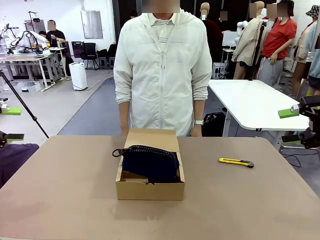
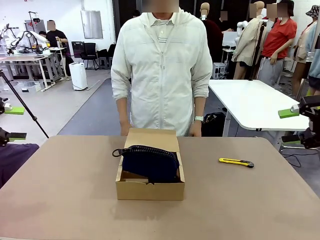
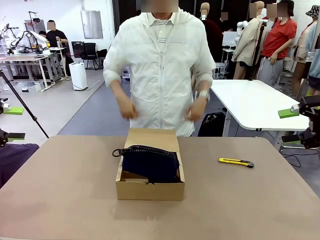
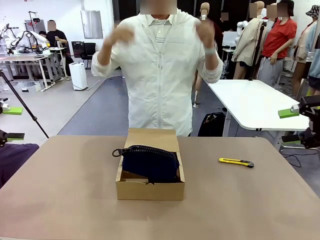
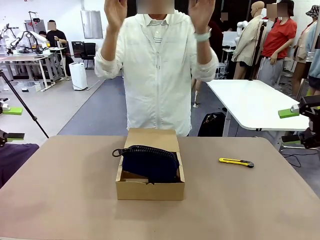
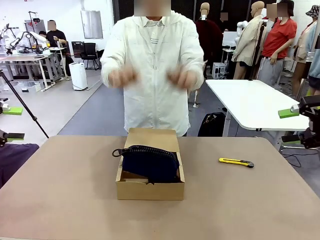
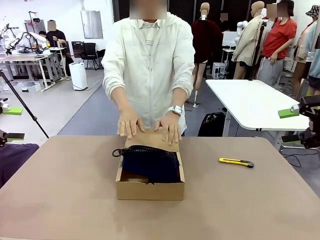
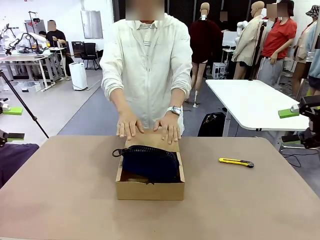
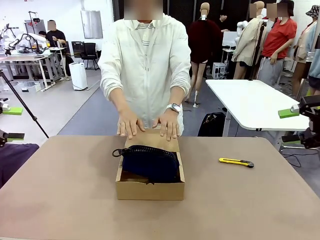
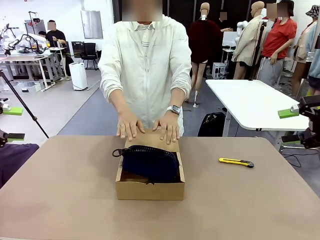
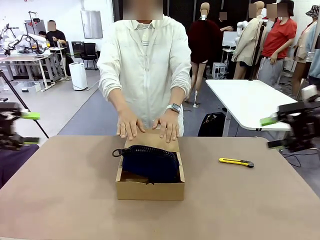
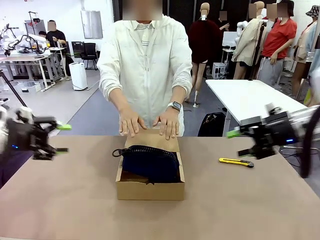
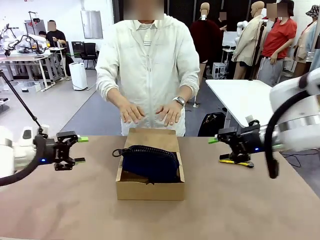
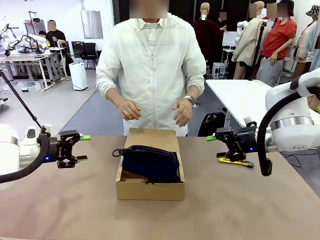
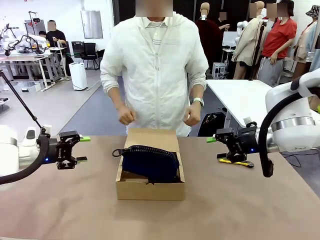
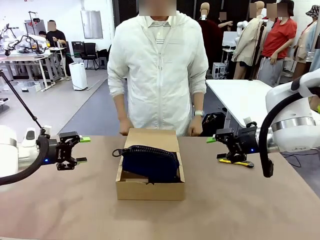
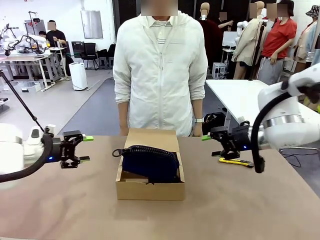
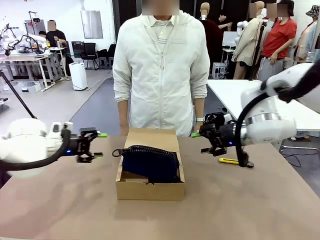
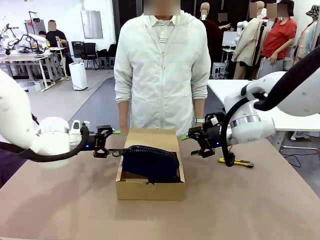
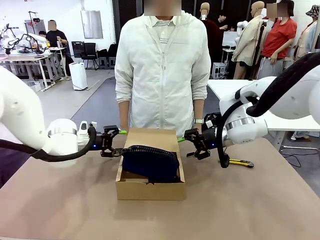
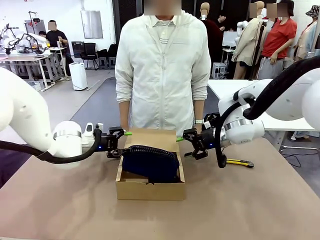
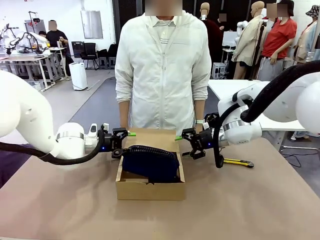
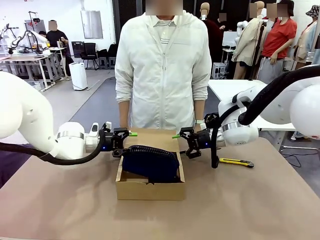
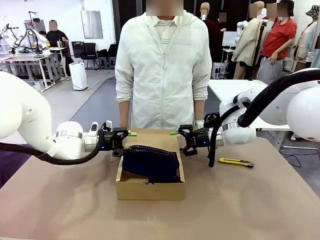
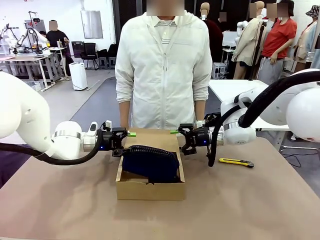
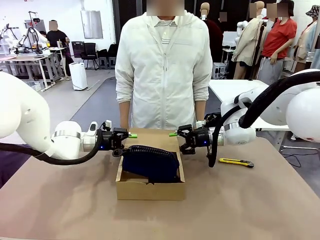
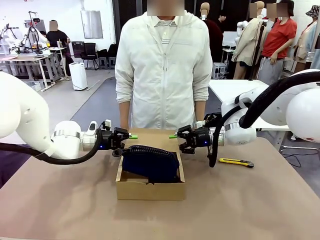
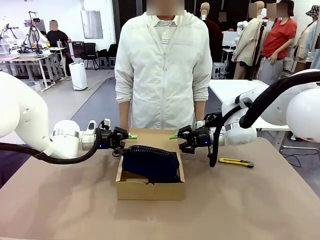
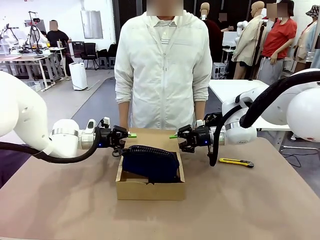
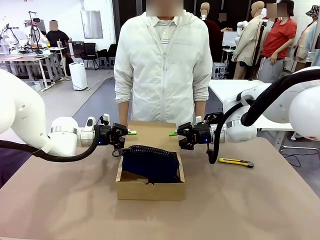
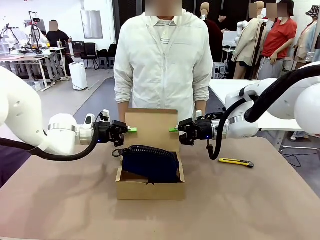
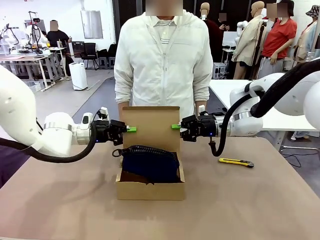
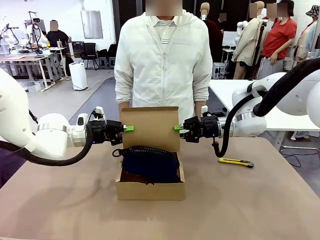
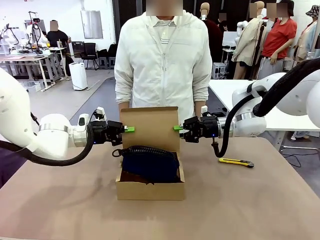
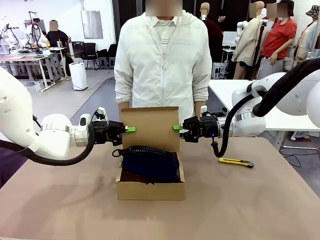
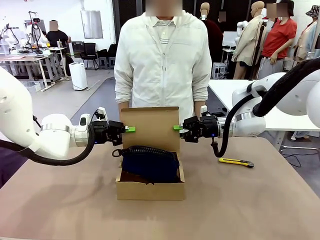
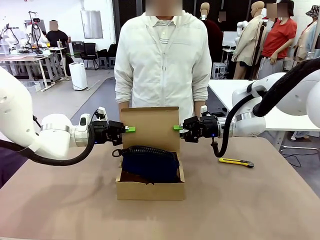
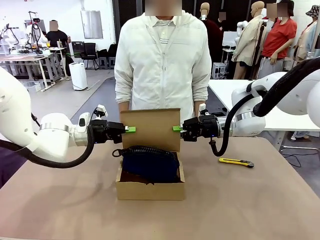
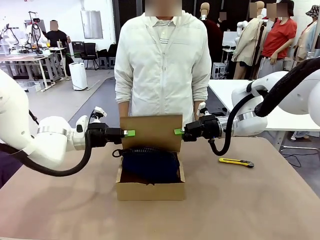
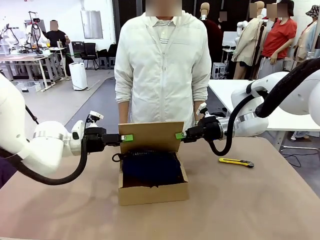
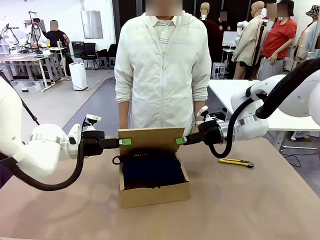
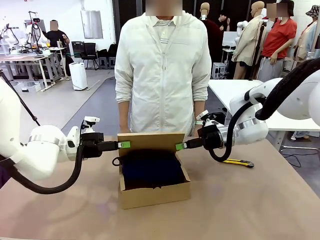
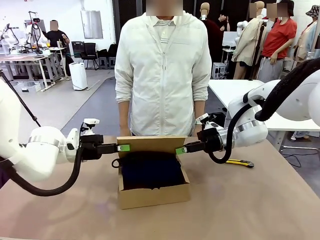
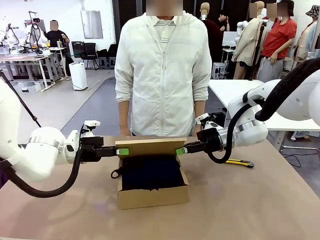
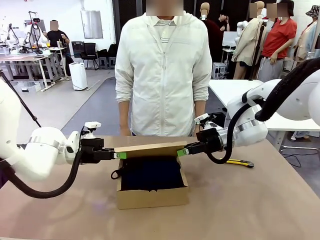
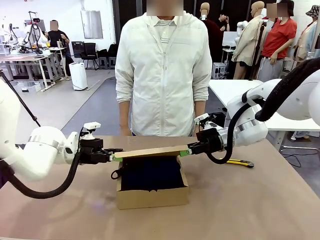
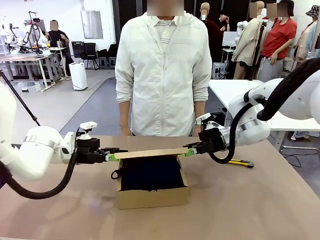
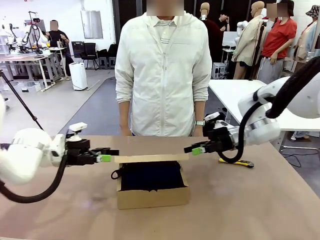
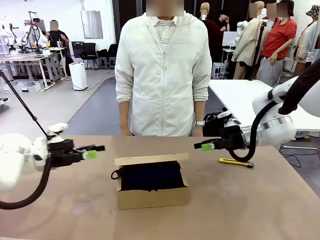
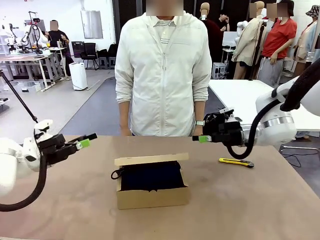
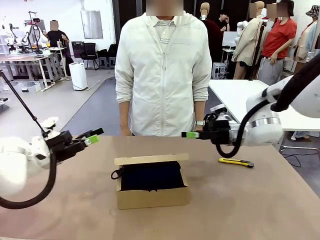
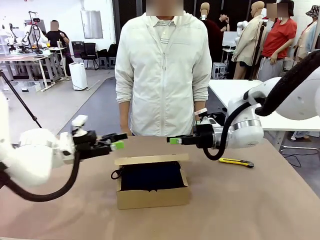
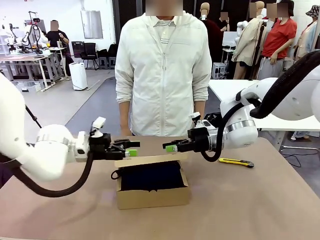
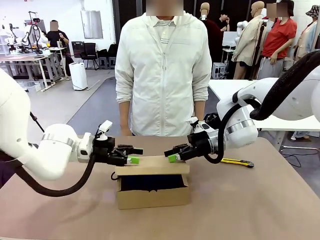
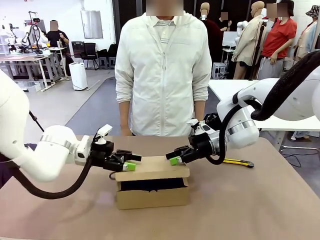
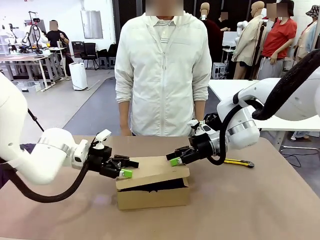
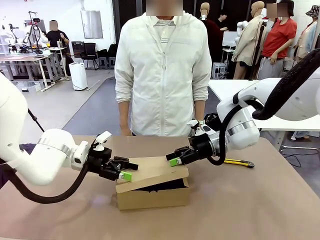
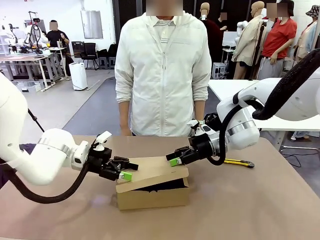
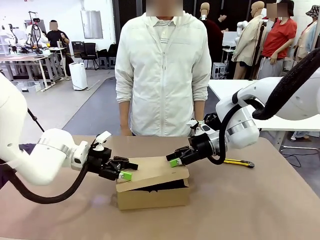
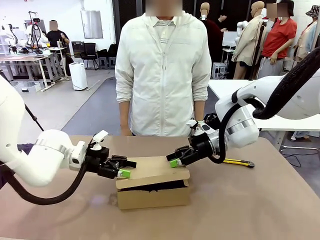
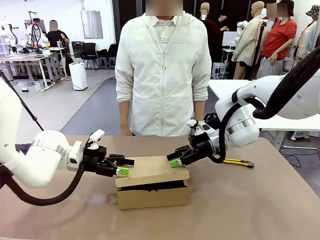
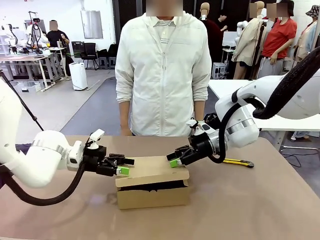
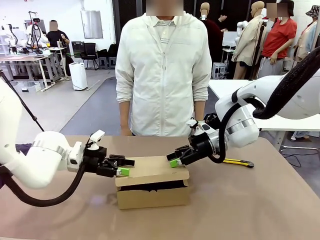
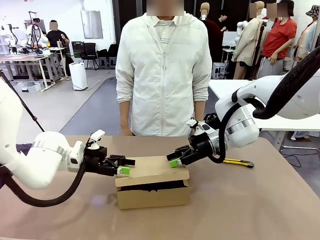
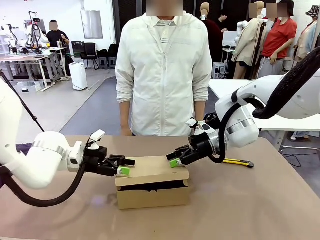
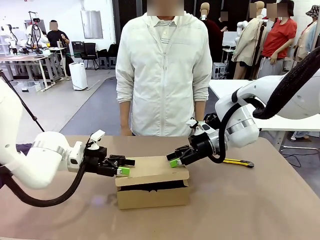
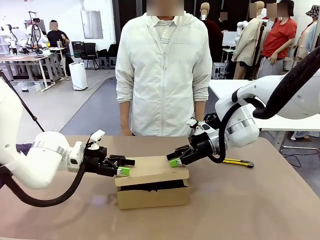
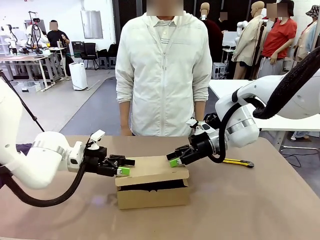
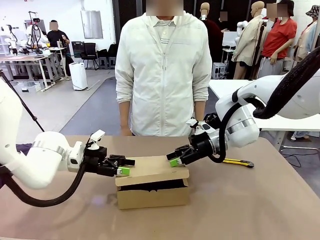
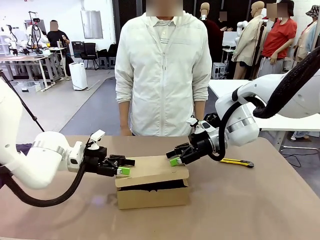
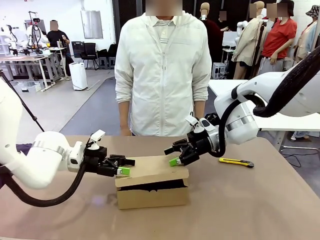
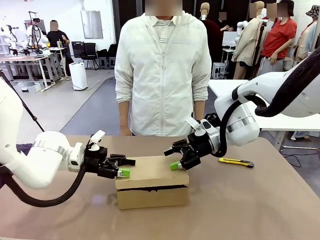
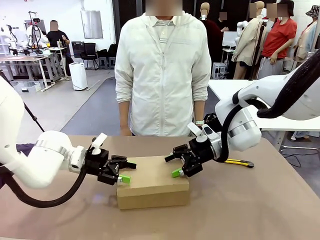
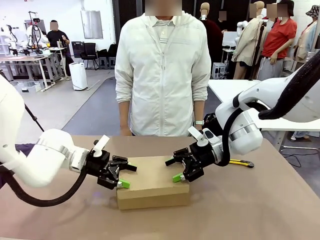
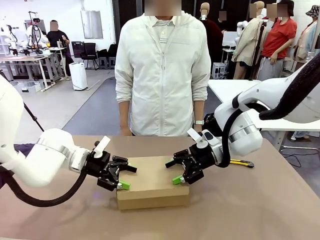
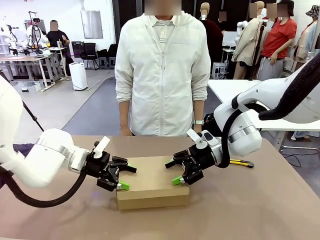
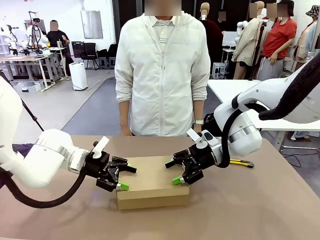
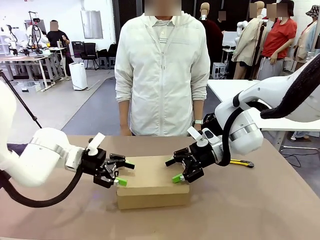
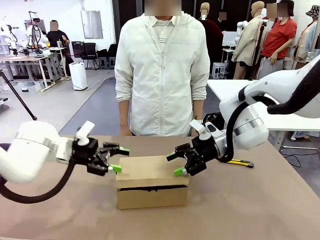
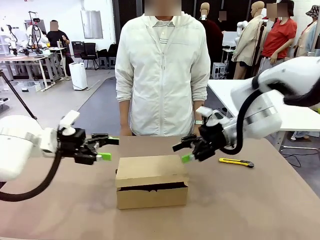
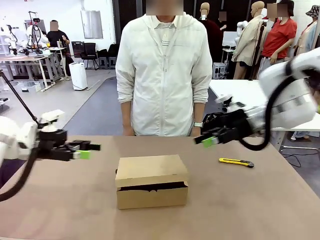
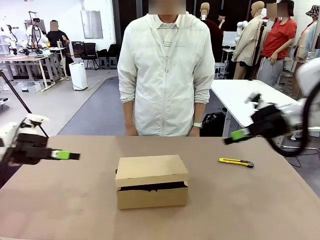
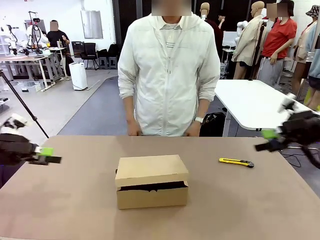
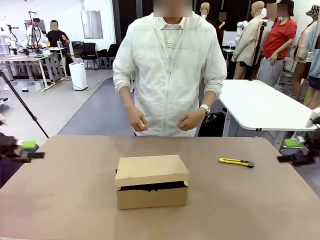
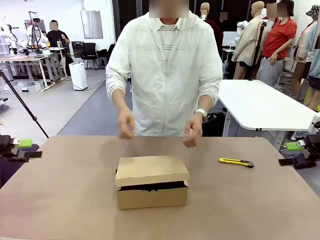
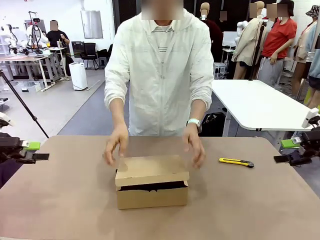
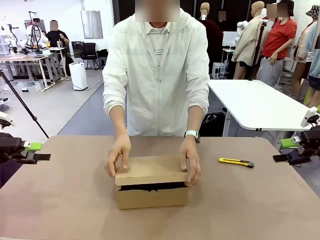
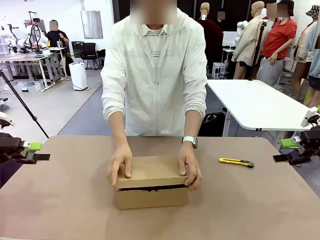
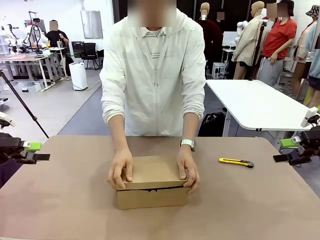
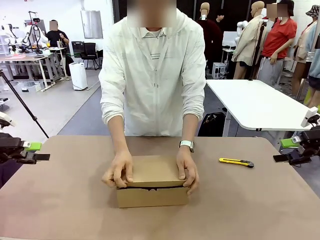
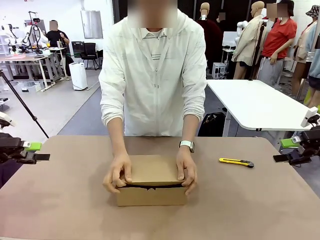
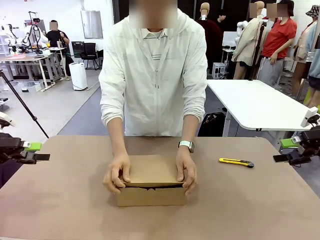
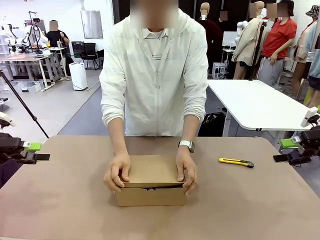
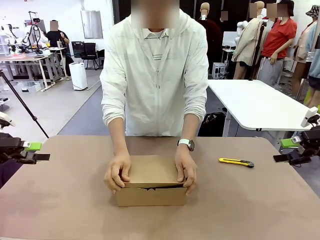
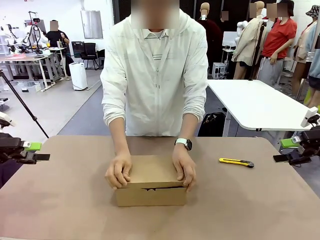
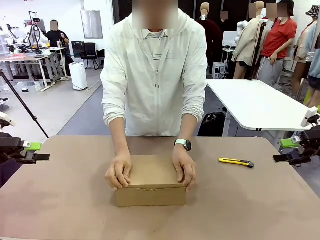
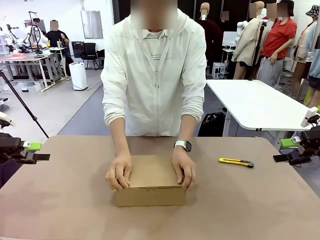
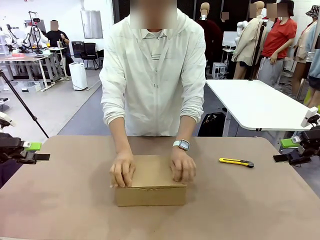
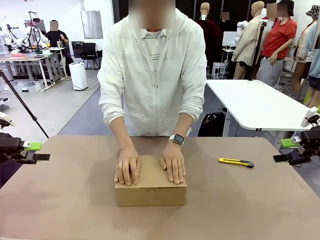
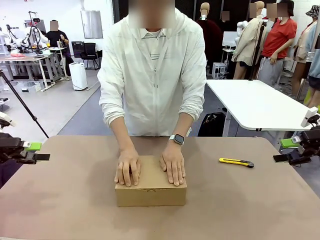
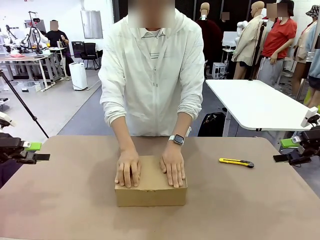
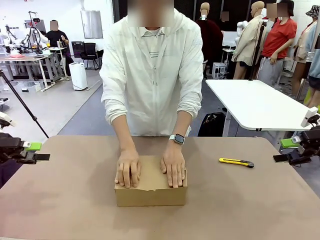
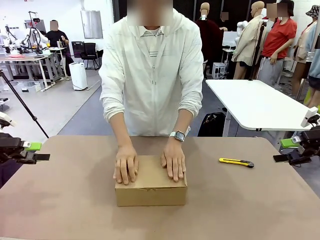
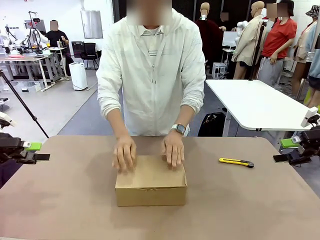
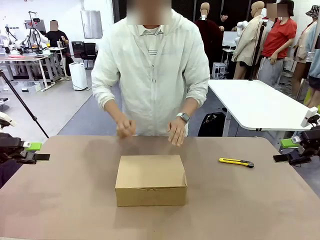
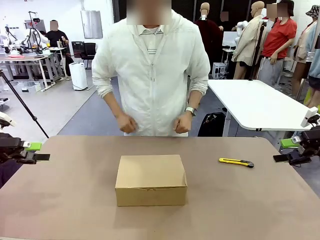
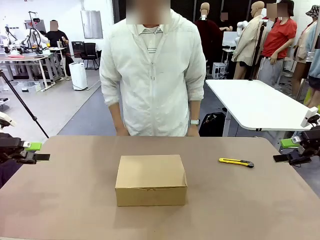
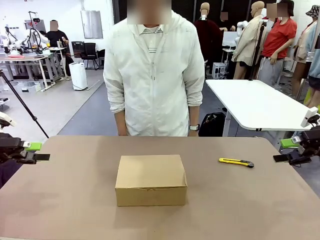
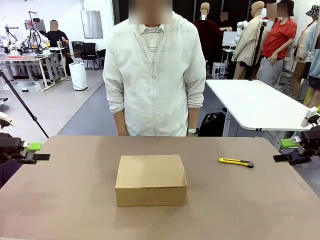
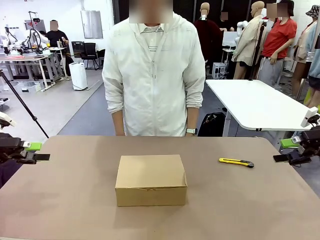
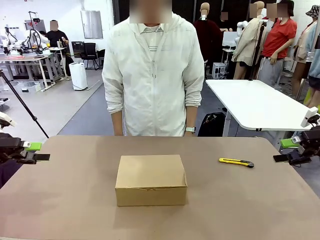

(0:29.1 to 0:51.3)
Task: Pack the items into the box.
Robot: Close the Mailer Box.
Person: Turn the box and lock it.
